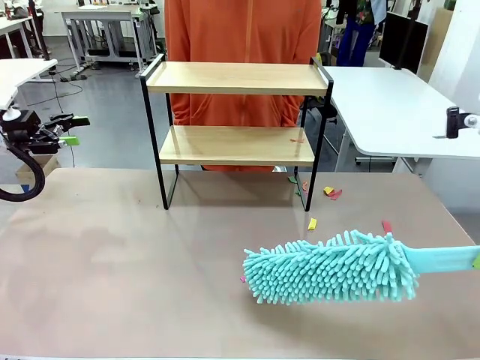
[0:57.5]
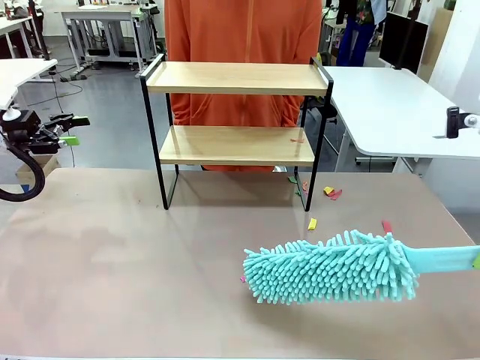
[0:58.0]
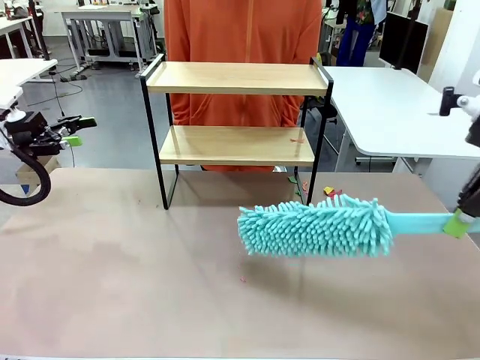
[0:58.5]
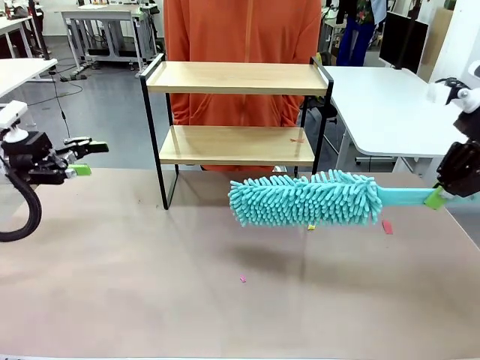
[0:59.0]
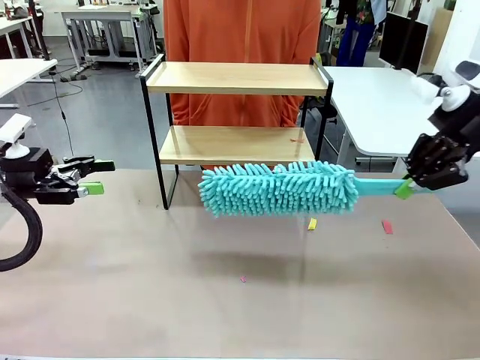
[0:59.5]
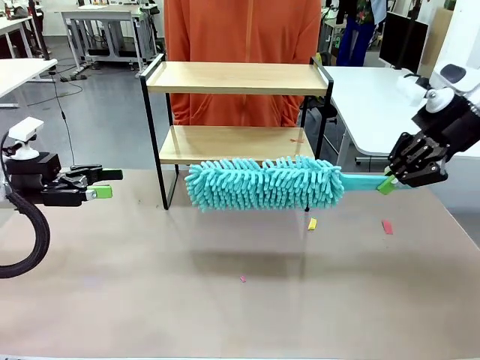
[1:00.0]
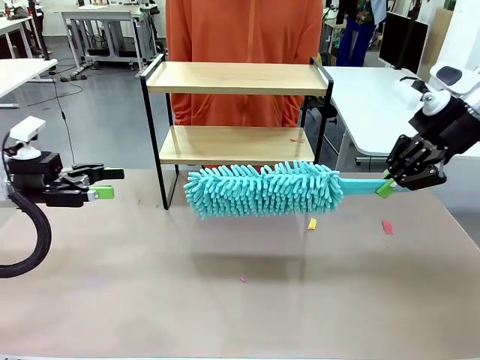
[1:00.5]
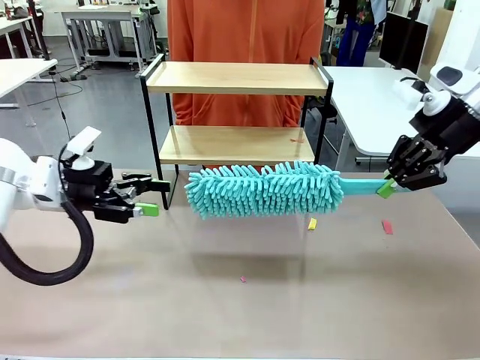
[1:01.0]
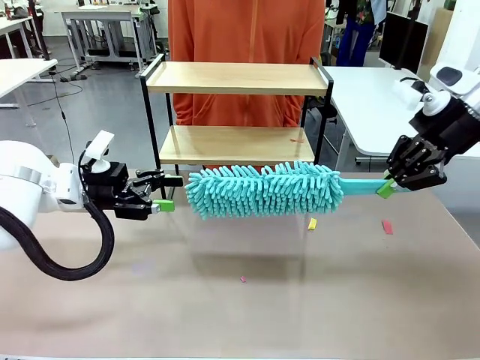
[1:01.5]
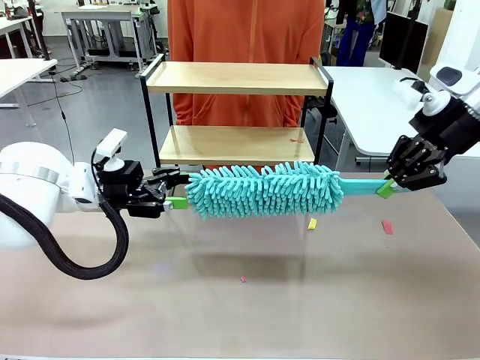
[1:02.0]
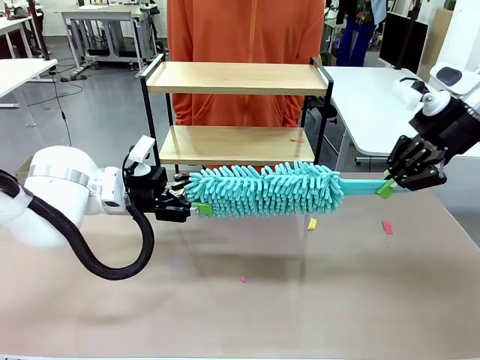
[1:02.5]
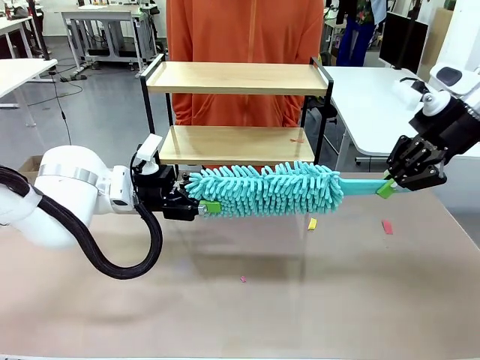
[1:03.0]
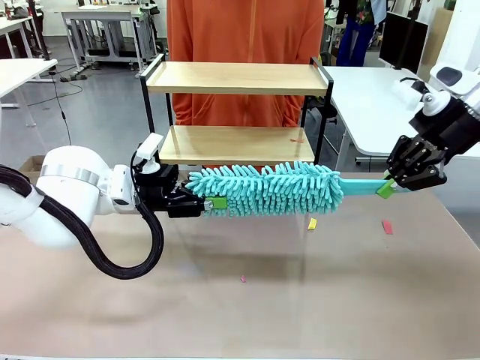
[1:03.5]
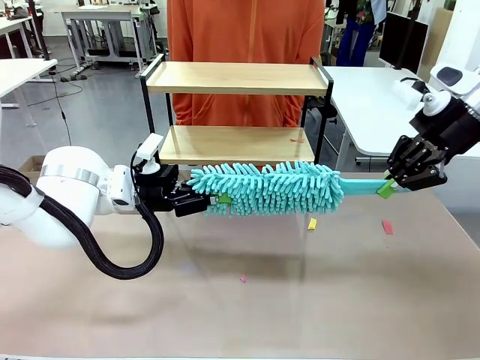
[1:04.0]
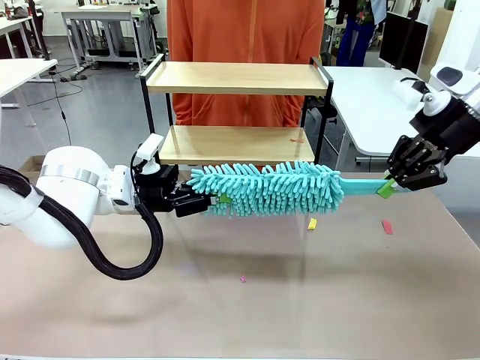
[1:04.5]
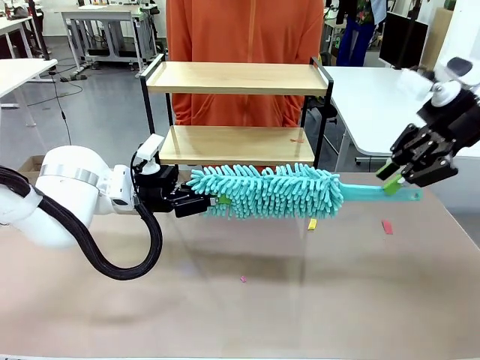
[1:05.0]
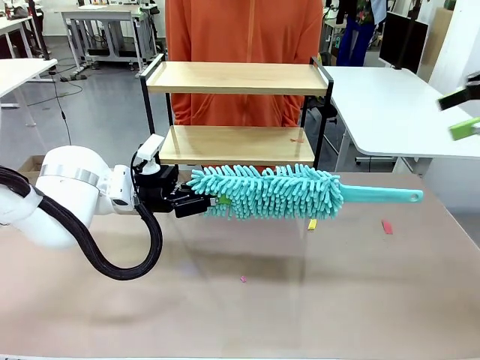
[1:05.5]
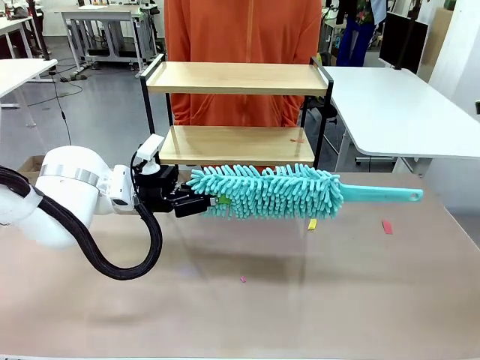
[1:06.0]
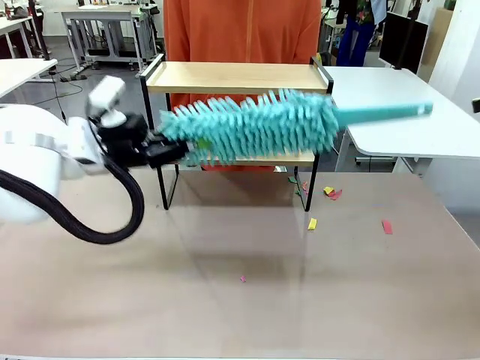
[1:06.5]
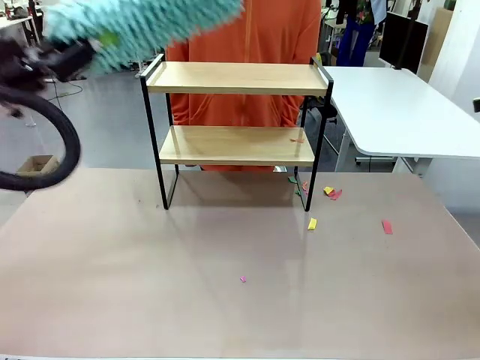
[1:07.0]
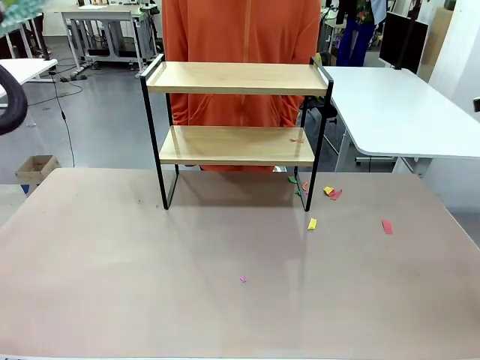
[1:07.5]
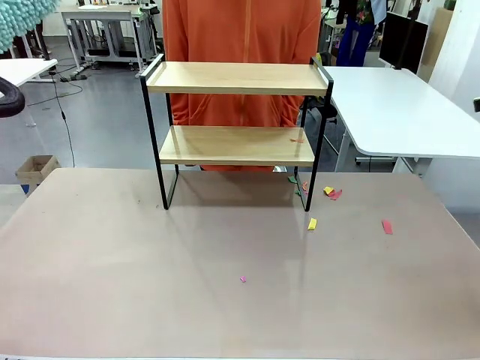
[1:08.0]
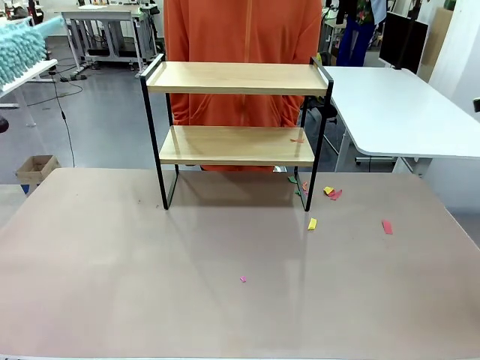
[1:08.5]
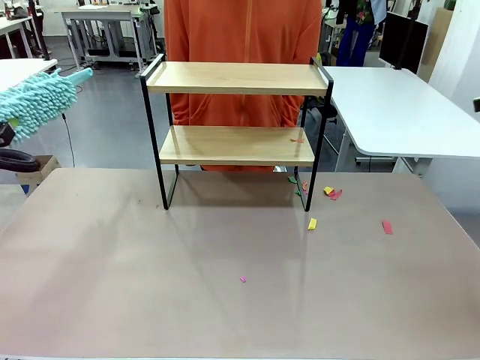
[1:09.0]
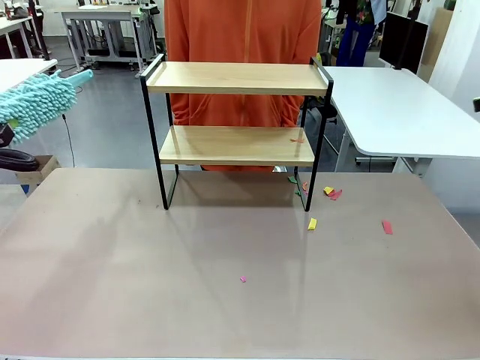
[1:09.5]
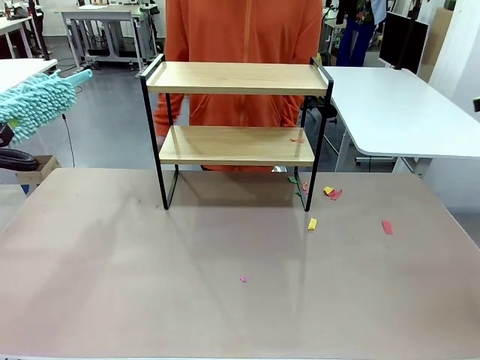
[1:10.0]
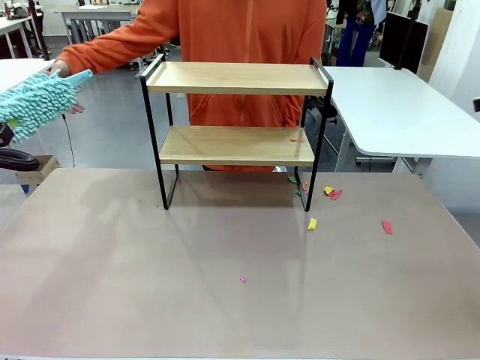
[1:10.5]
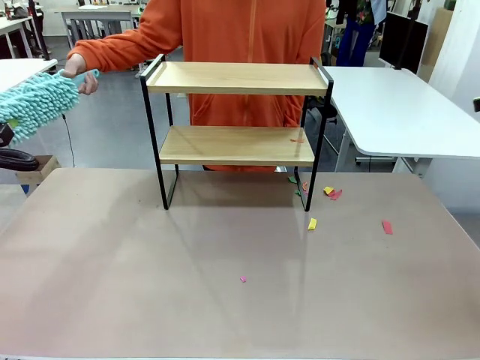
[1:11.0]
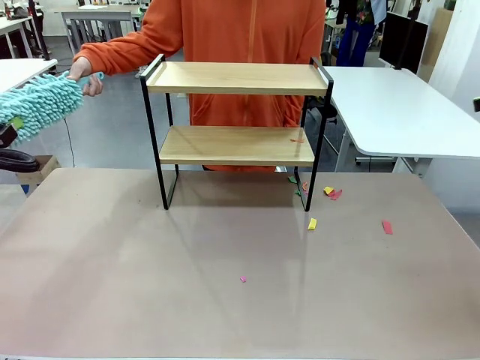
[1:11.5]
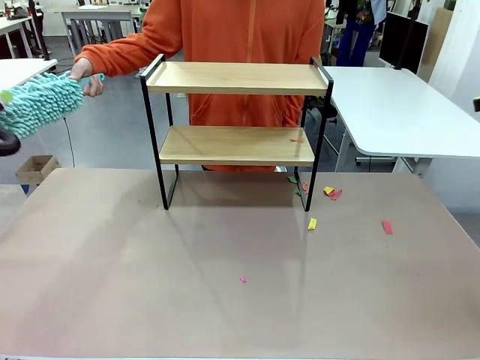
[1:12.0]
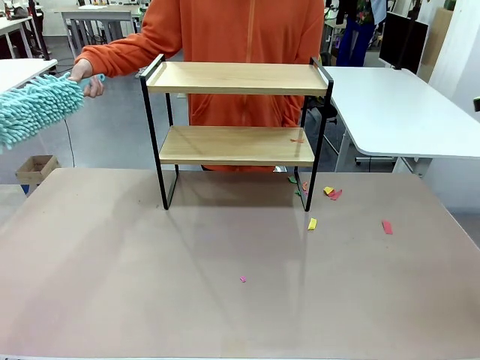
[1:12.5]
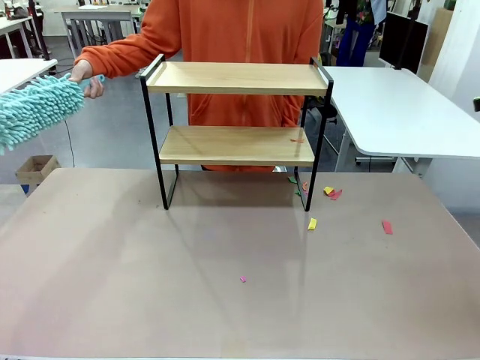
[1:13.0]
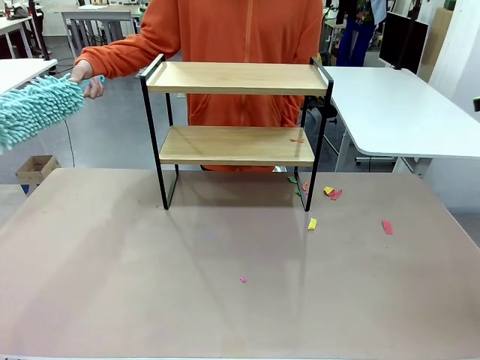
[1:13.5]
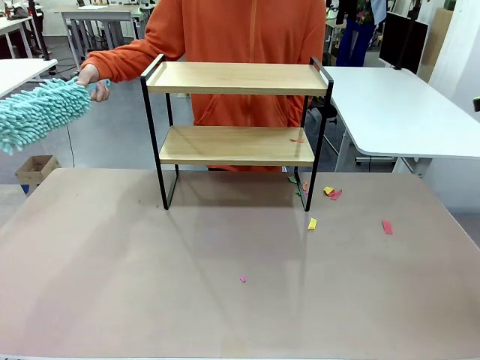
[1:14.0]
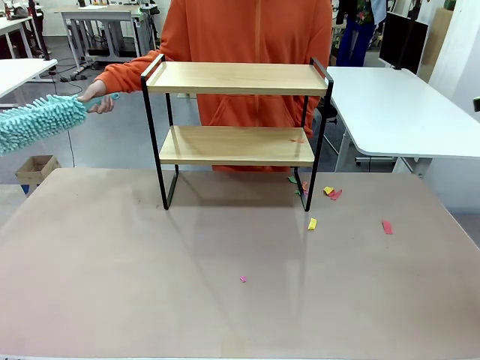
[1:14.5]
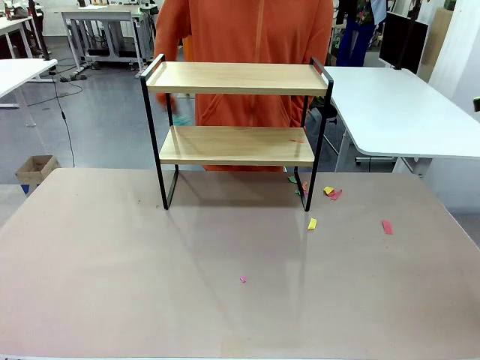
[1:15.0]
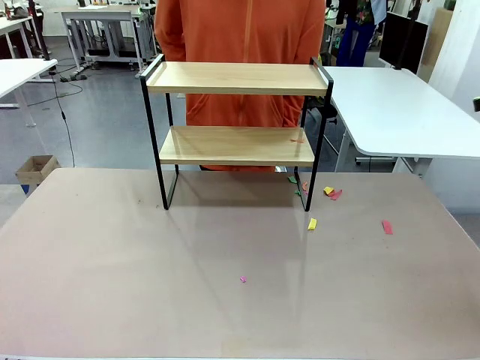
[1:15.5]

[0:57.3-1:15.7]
Task: Clean the shelf.
Robot: Hand the Duster back to the human.
Person: Receive the Duster from the robot.
